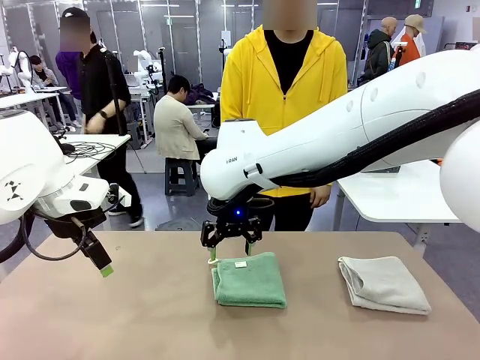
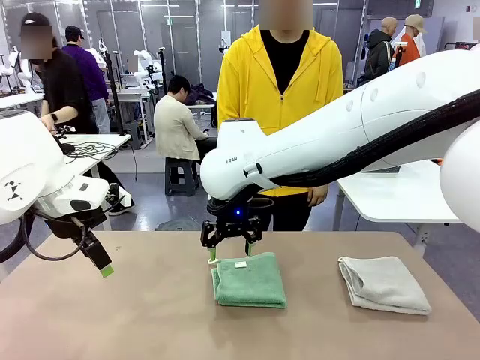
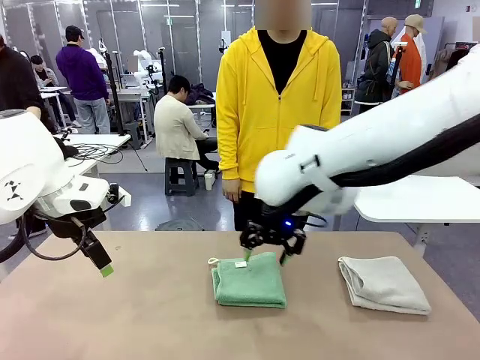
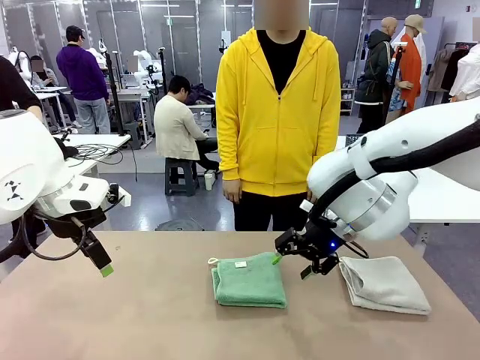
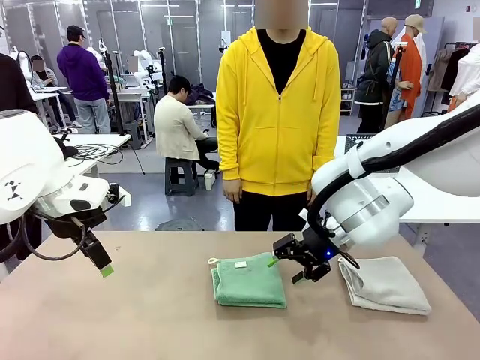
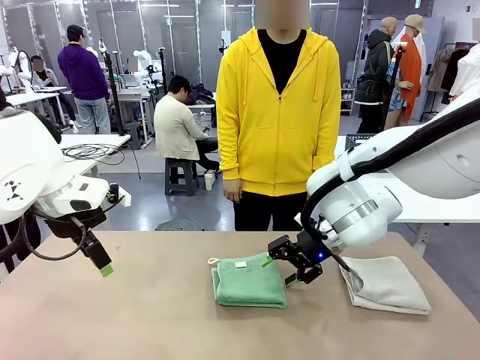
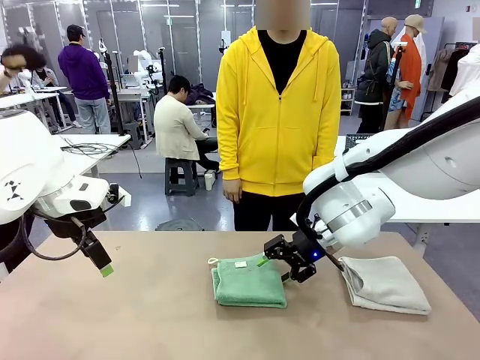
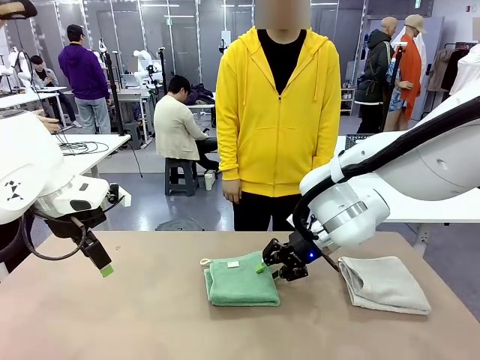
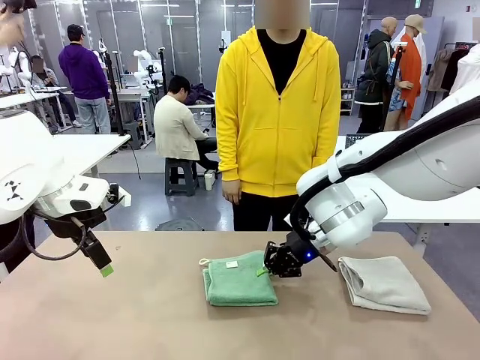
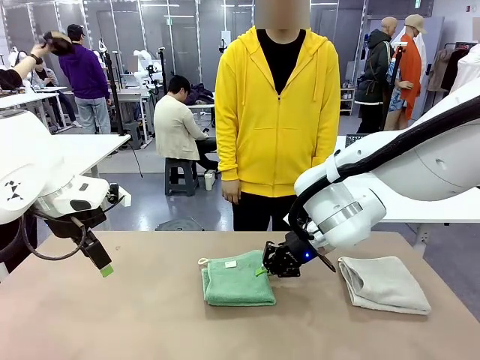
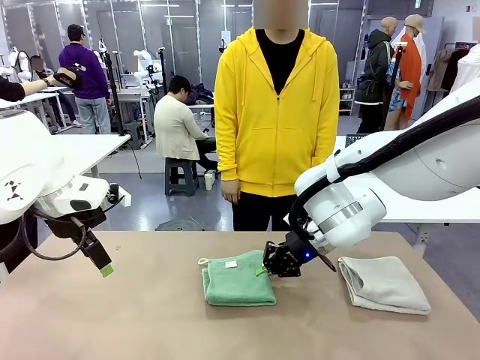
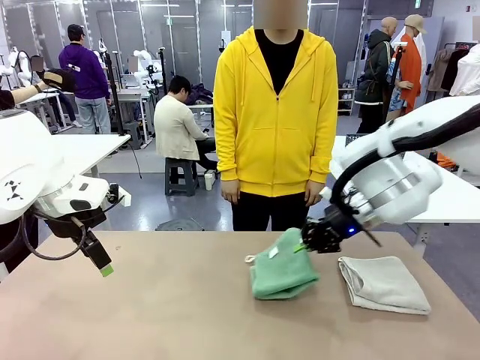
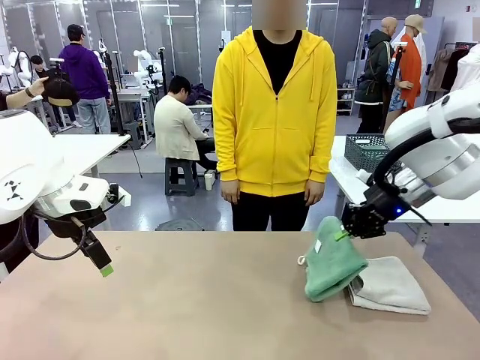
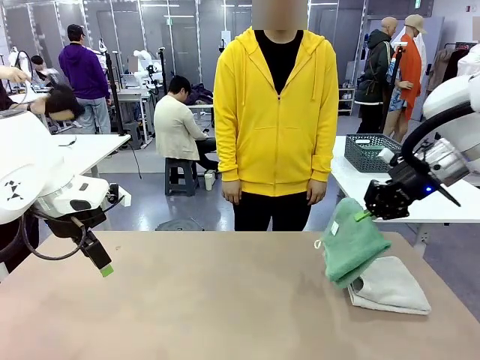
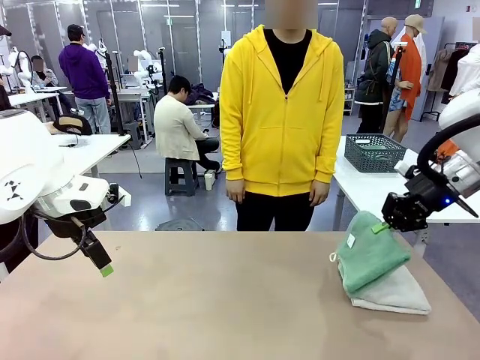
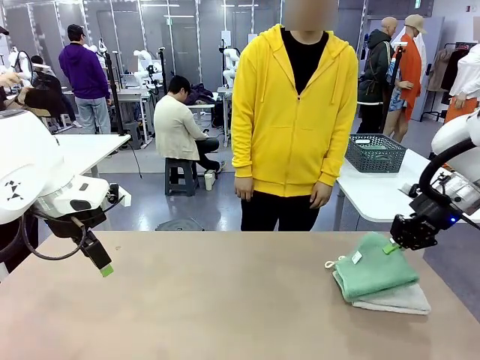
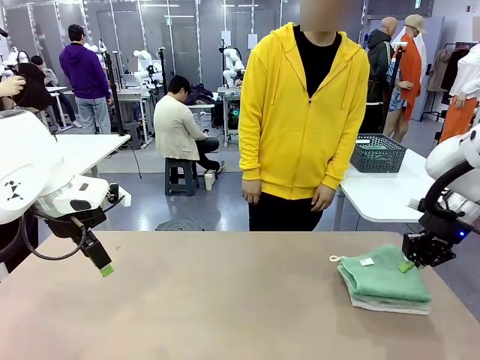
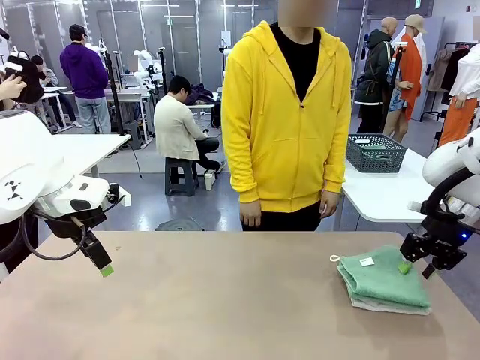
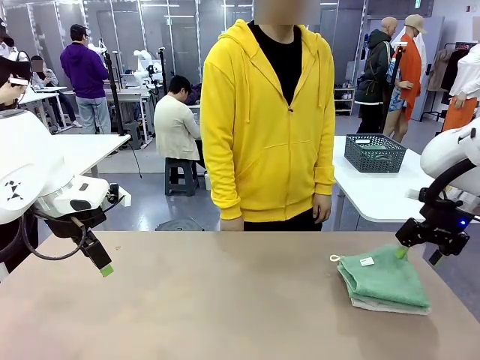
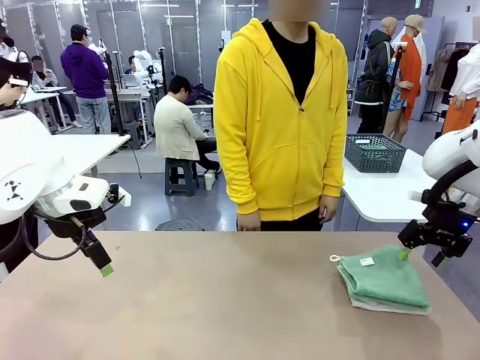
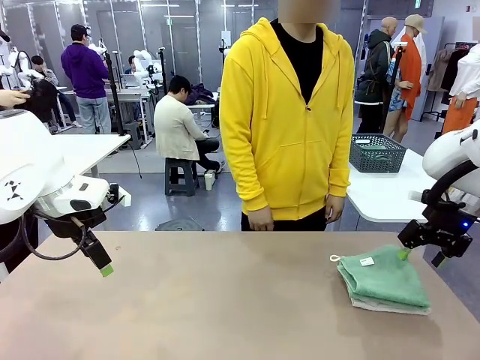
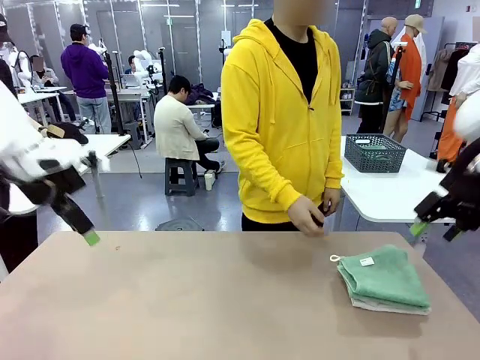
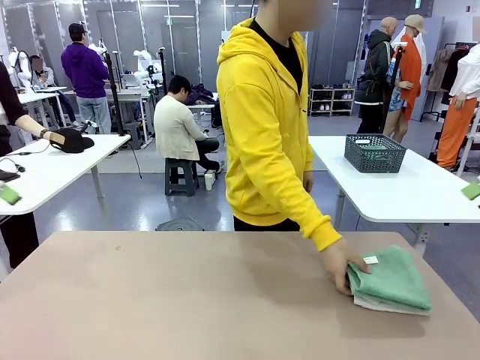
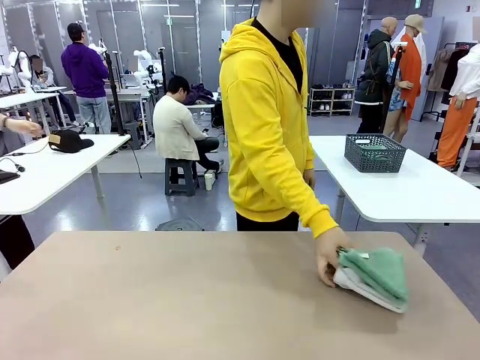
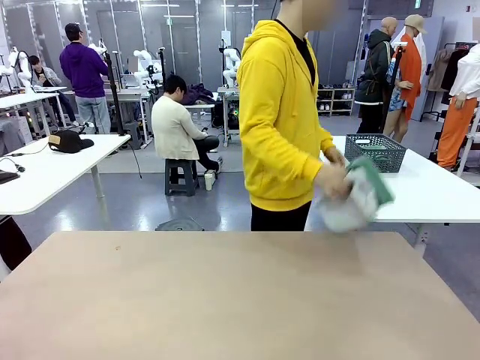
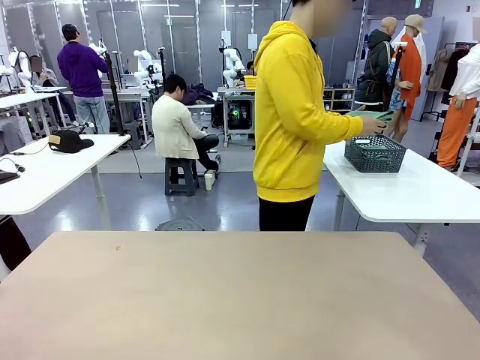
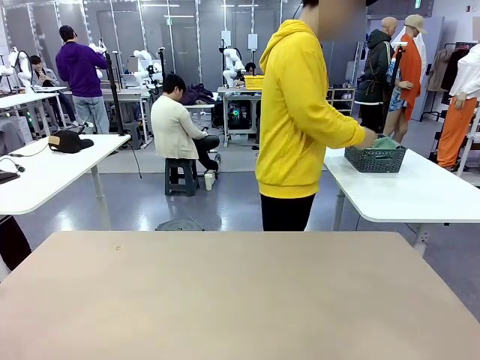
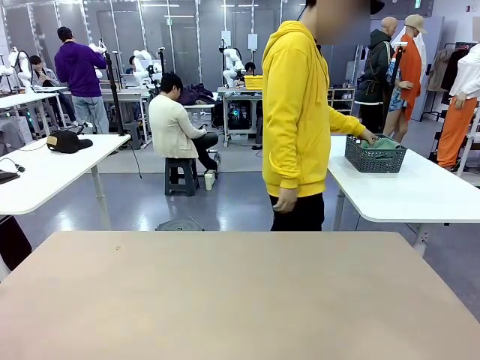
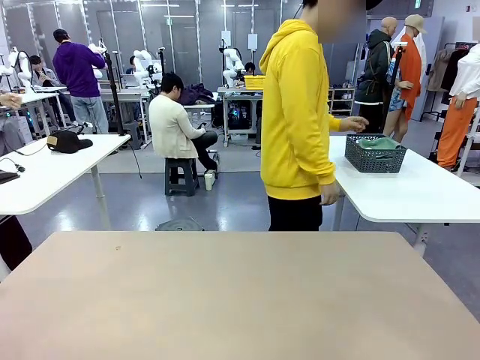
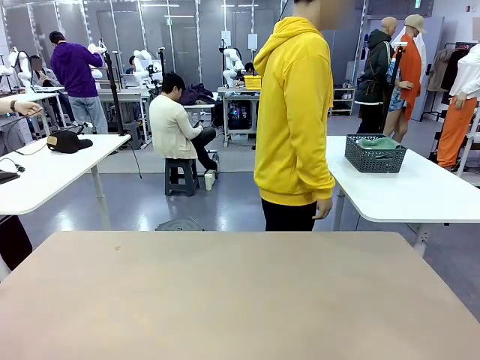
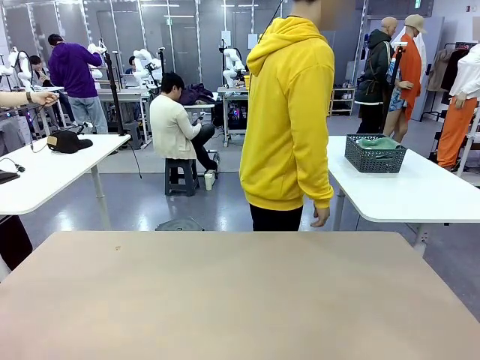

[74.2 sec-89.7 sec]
Task: Fold the towels and place them in the basket.
Robot: Stack the folded Towel with hook on the right side of the table.
Person: Pick up the stack of towels from the robot table and place it into the basket.

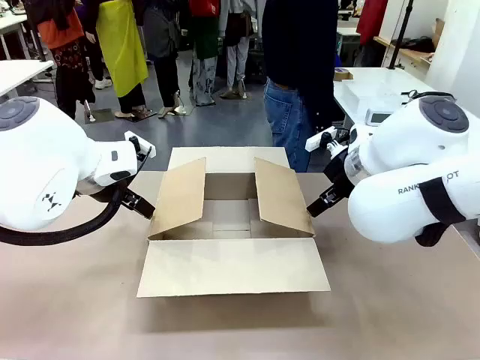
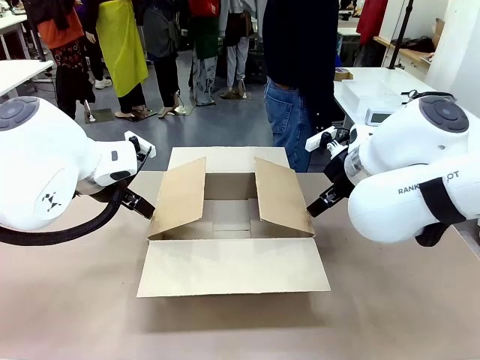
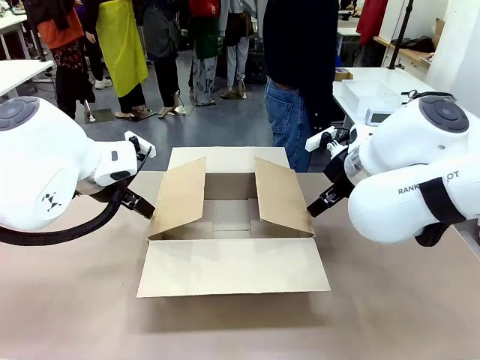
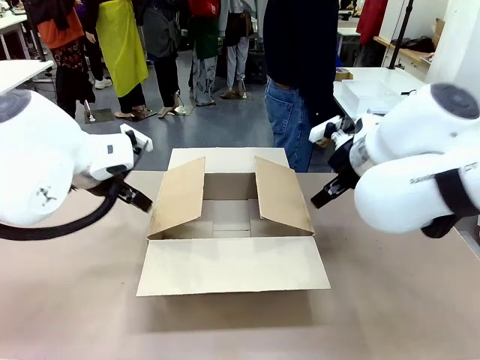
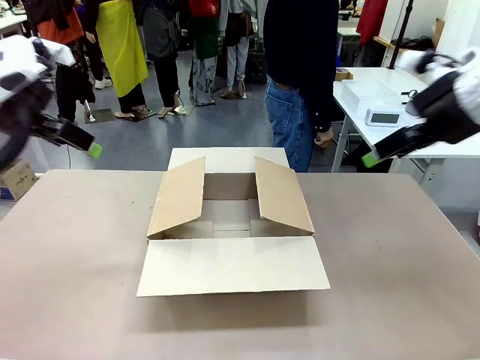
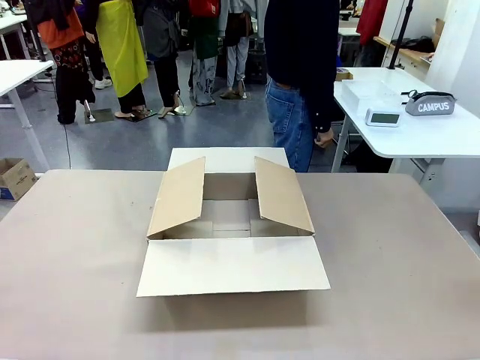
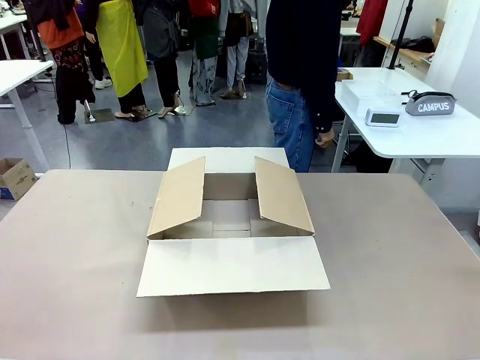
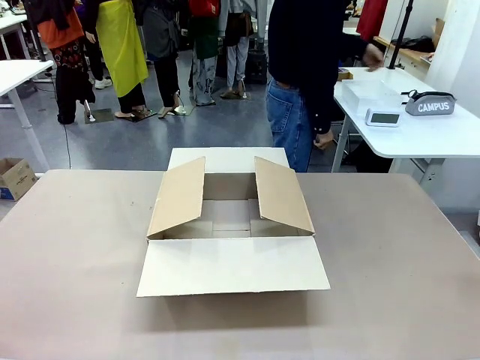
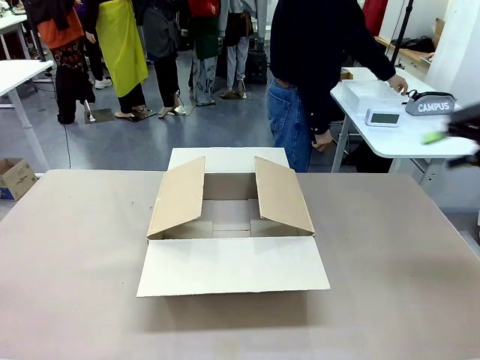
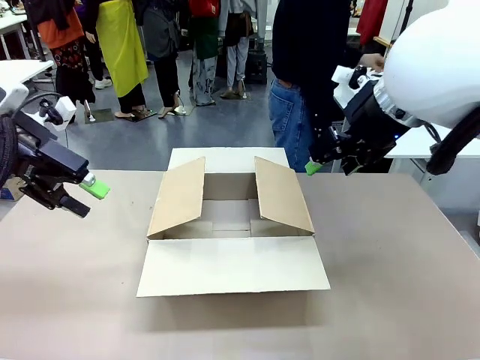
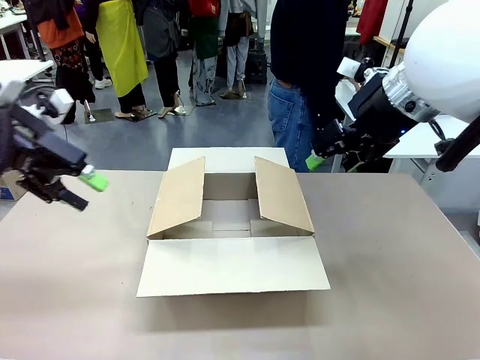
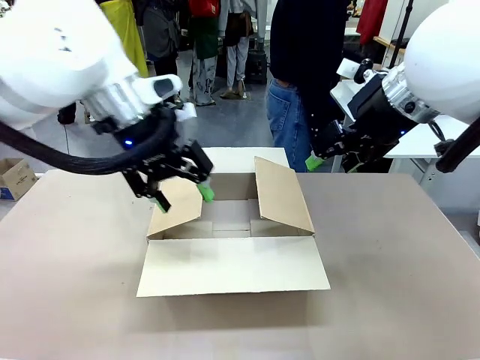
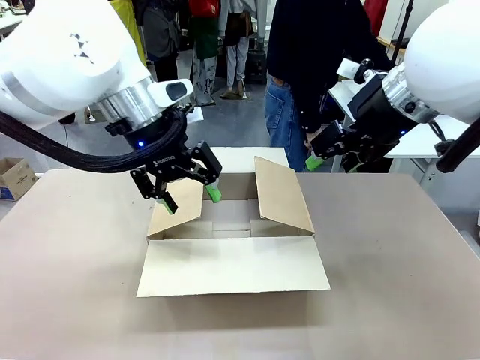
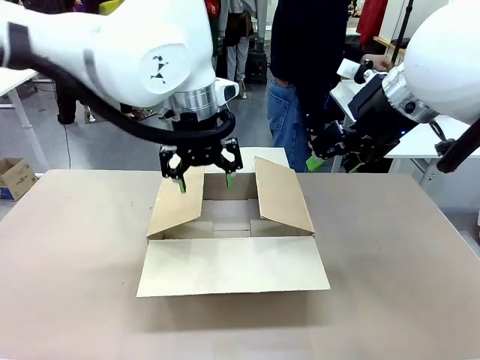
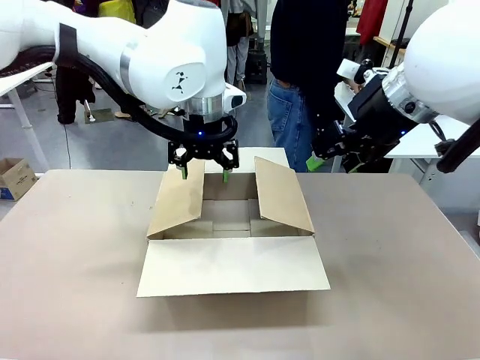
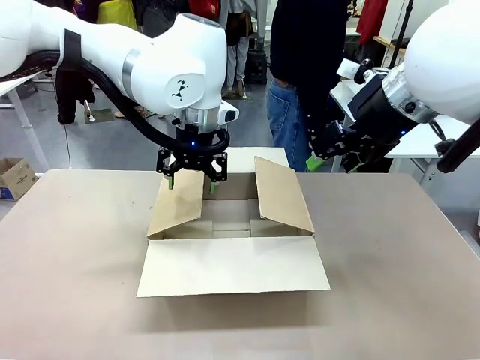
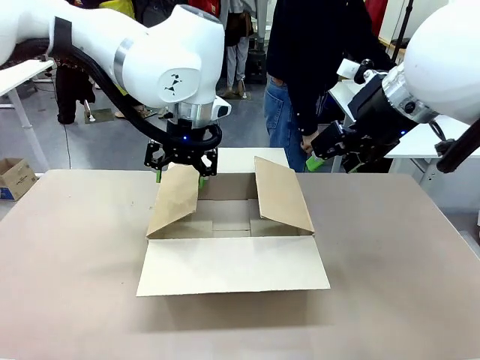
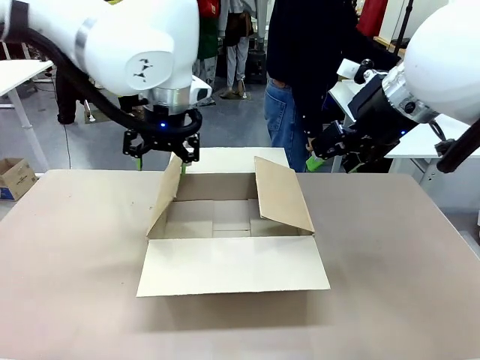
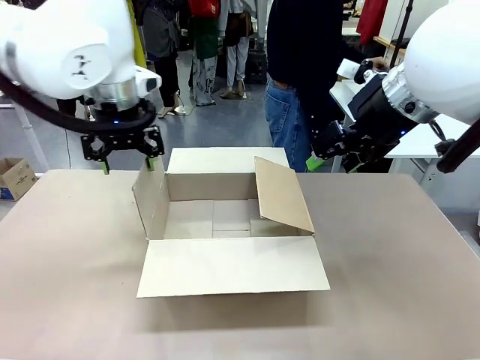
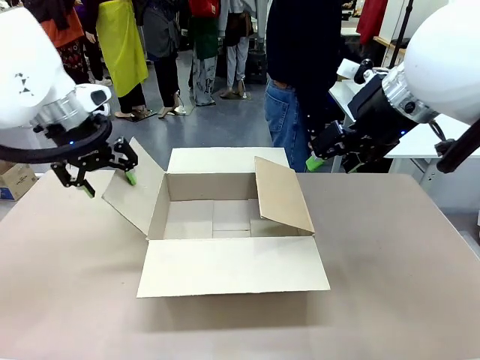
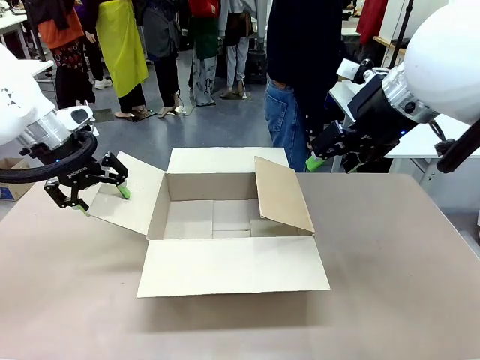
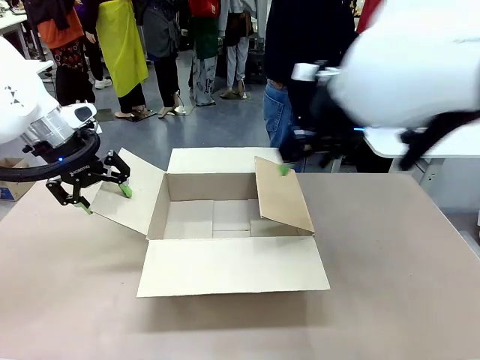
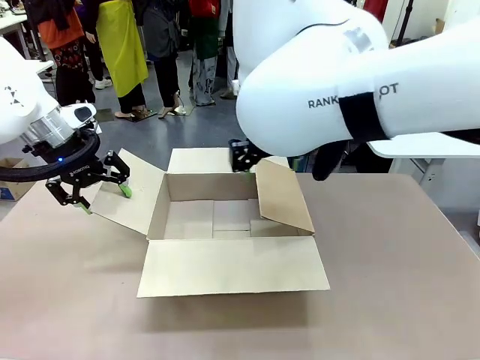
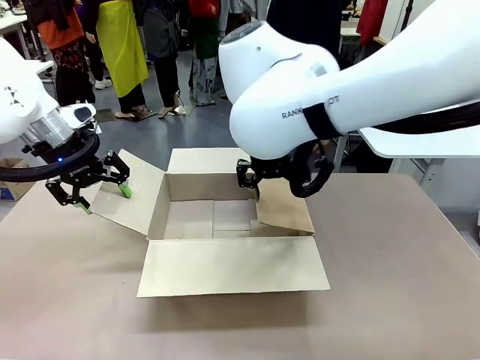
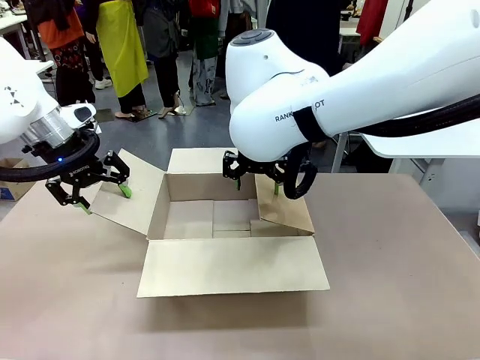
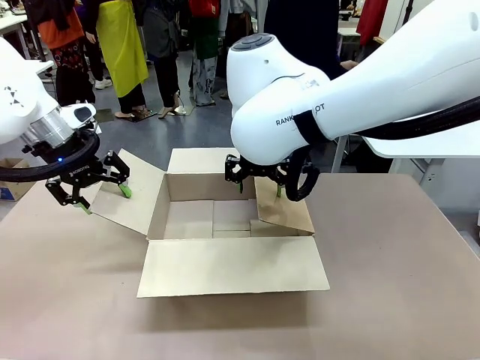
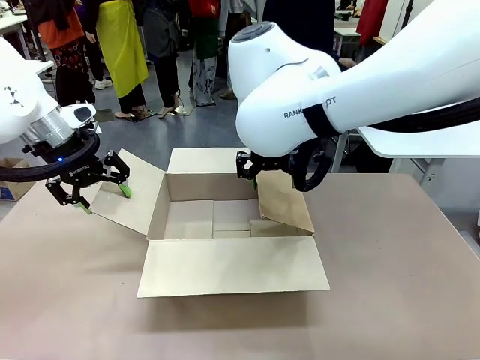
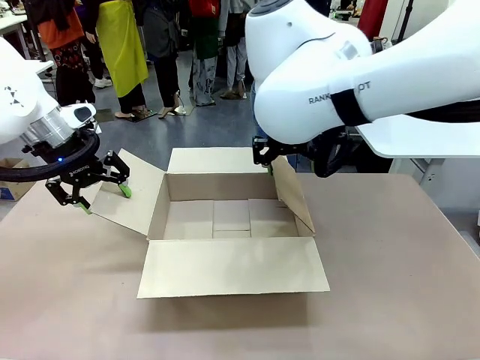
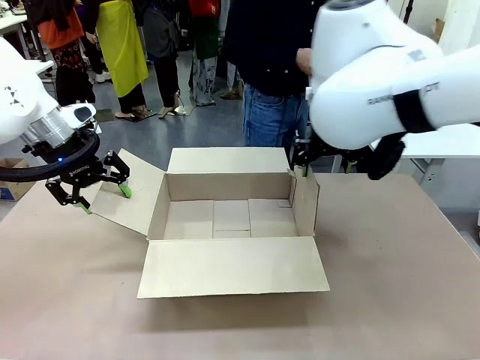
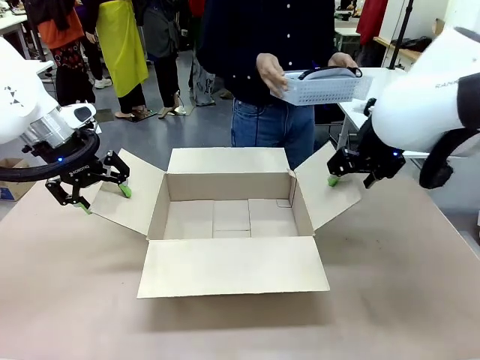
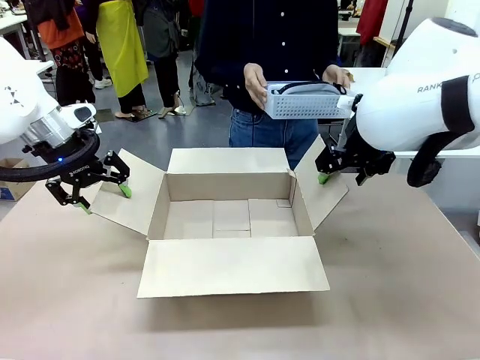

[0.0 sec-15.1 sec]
Task: Pack the gift set into the box.
Robot: Place both hands on the side flaps of the Package Box and spread them outward.
Person: The human places all items except the paper tape into the organizing basket.
